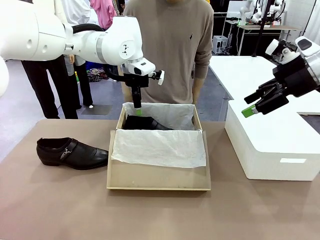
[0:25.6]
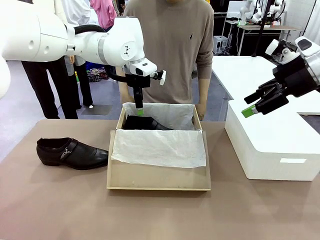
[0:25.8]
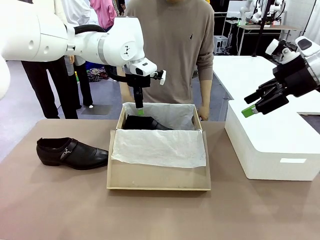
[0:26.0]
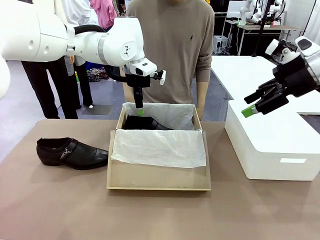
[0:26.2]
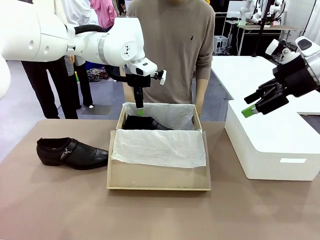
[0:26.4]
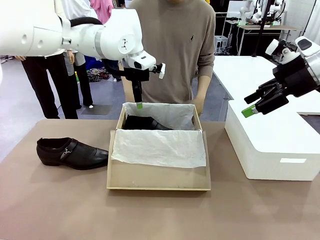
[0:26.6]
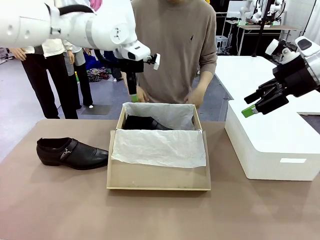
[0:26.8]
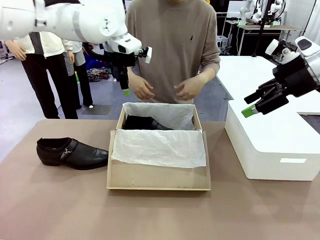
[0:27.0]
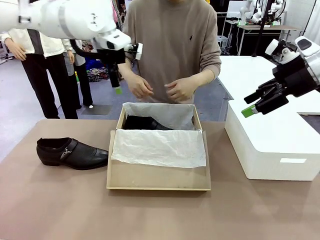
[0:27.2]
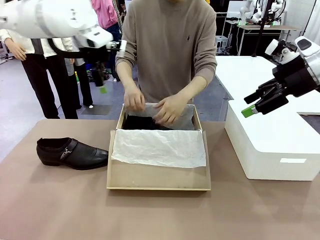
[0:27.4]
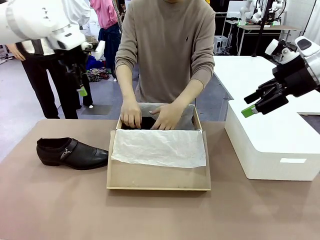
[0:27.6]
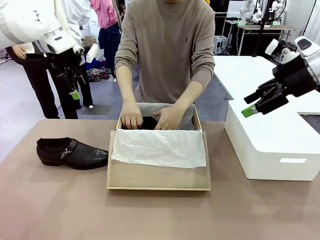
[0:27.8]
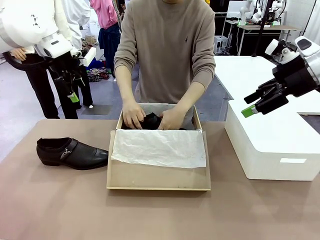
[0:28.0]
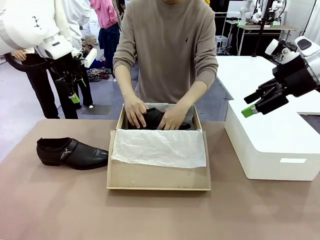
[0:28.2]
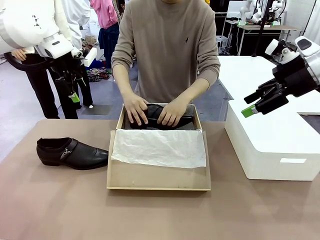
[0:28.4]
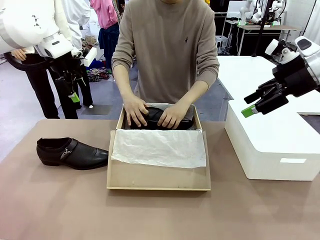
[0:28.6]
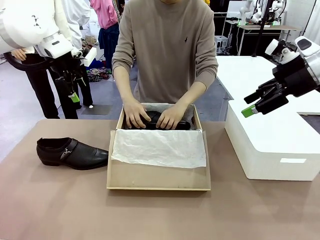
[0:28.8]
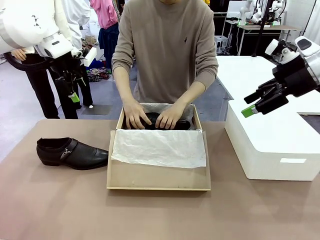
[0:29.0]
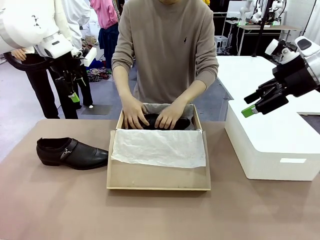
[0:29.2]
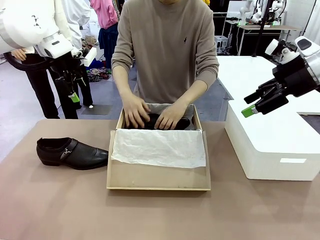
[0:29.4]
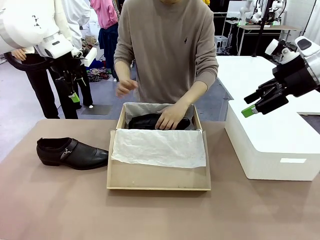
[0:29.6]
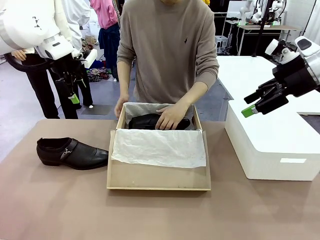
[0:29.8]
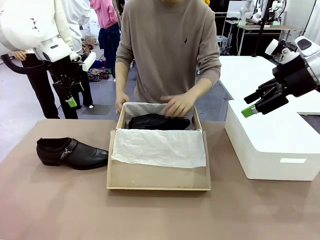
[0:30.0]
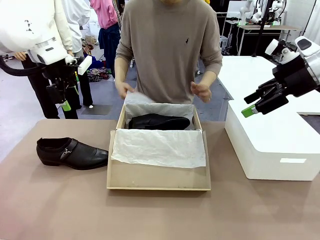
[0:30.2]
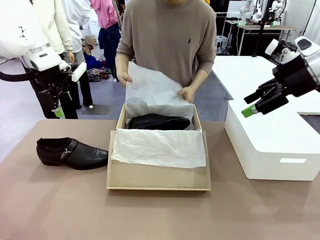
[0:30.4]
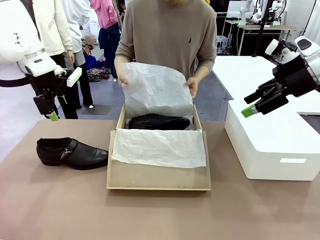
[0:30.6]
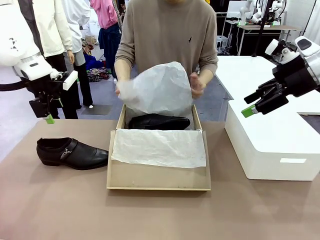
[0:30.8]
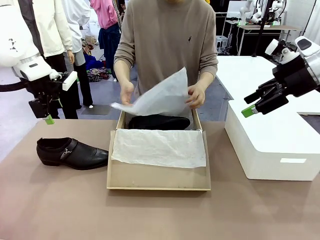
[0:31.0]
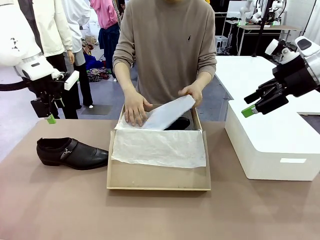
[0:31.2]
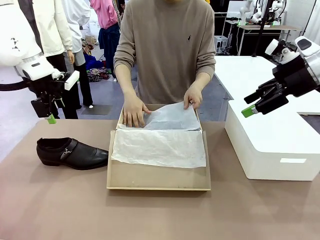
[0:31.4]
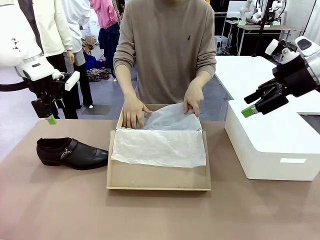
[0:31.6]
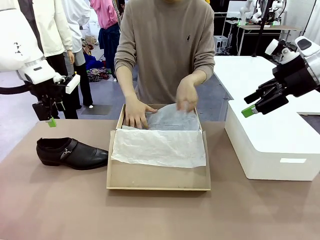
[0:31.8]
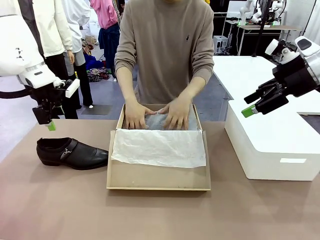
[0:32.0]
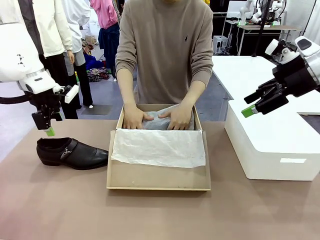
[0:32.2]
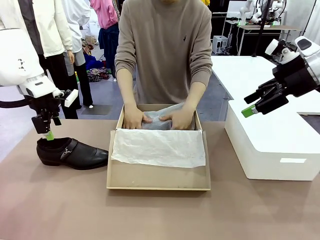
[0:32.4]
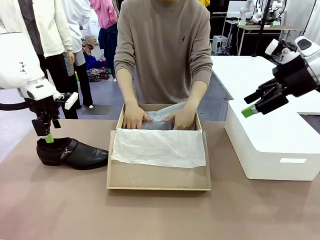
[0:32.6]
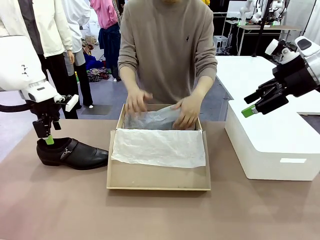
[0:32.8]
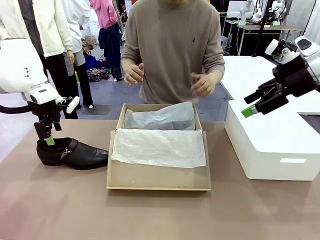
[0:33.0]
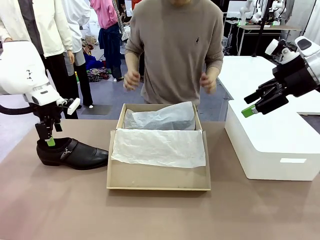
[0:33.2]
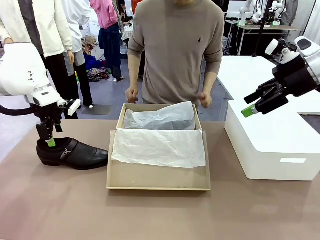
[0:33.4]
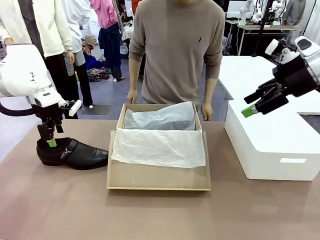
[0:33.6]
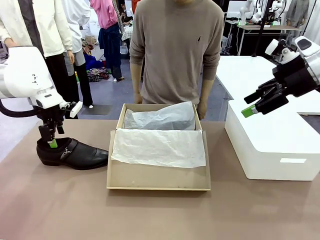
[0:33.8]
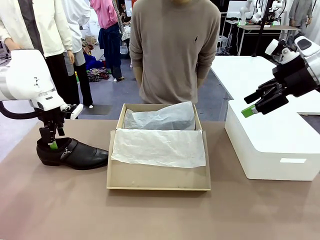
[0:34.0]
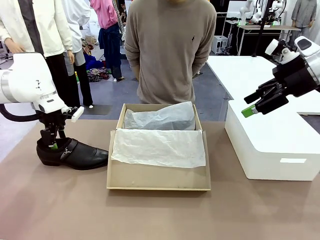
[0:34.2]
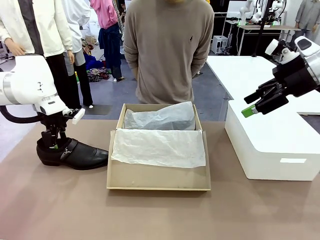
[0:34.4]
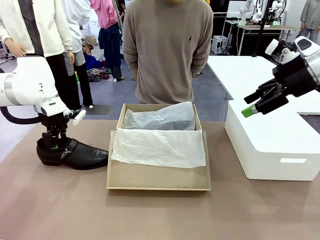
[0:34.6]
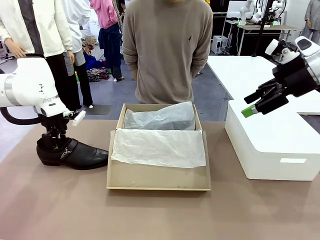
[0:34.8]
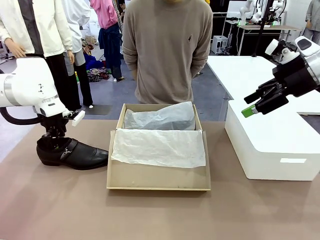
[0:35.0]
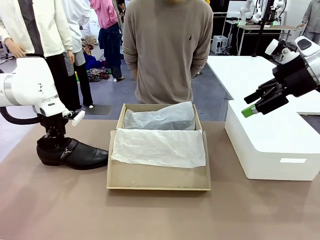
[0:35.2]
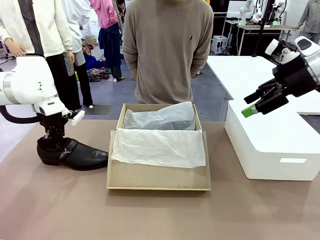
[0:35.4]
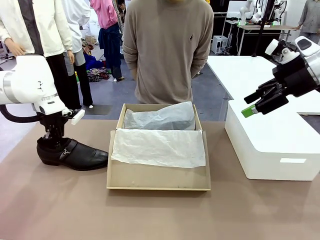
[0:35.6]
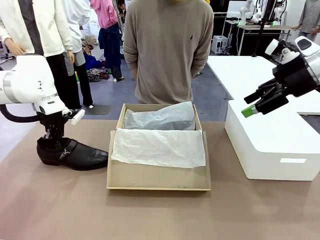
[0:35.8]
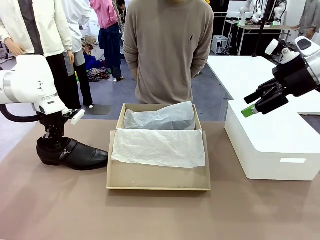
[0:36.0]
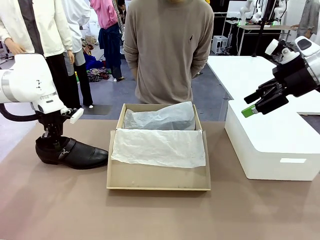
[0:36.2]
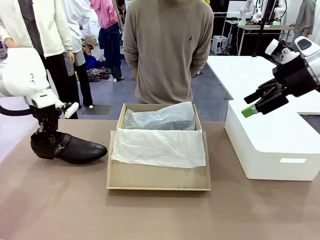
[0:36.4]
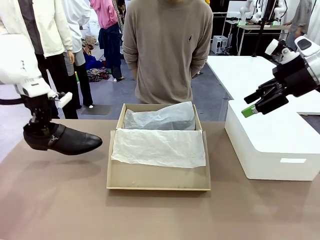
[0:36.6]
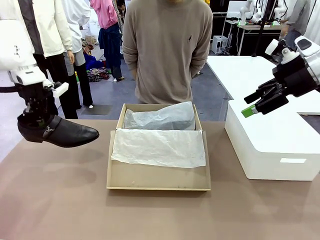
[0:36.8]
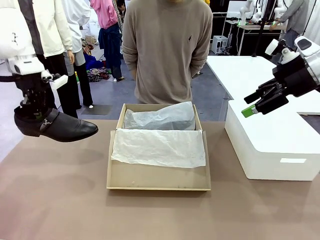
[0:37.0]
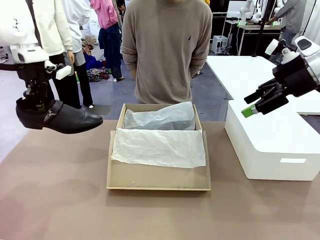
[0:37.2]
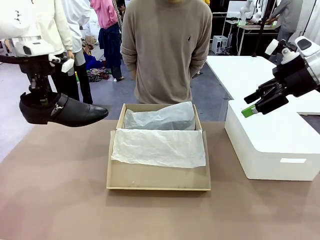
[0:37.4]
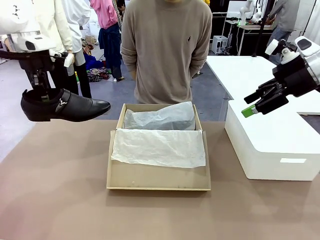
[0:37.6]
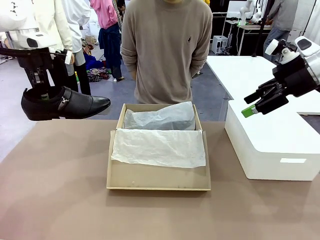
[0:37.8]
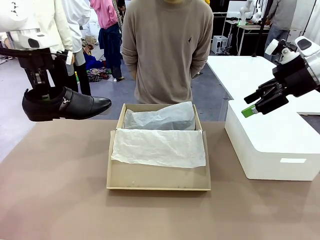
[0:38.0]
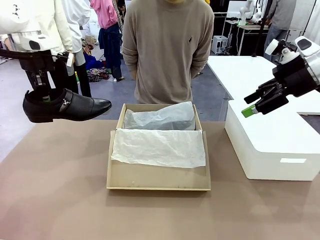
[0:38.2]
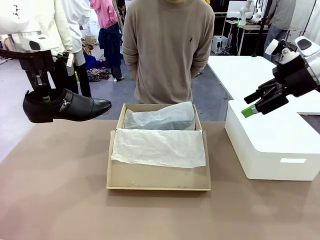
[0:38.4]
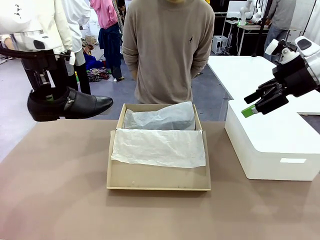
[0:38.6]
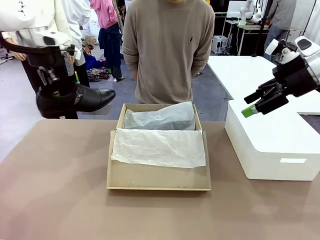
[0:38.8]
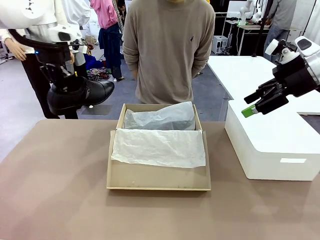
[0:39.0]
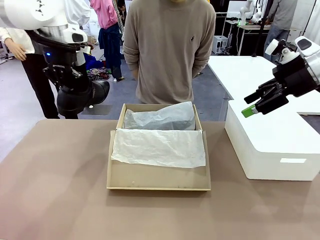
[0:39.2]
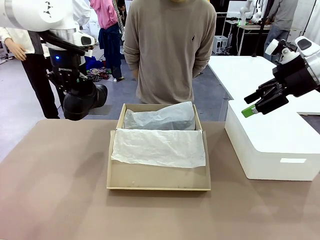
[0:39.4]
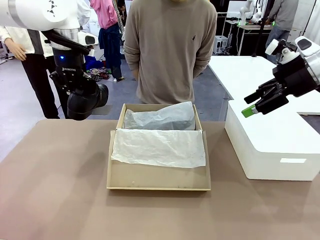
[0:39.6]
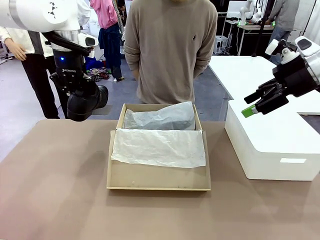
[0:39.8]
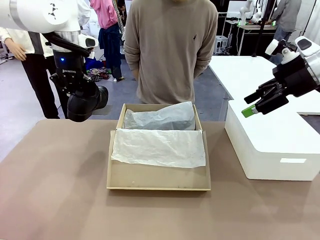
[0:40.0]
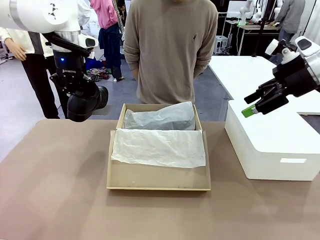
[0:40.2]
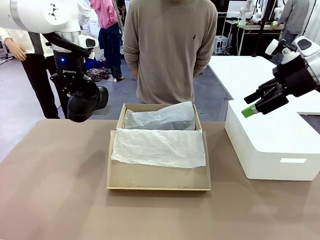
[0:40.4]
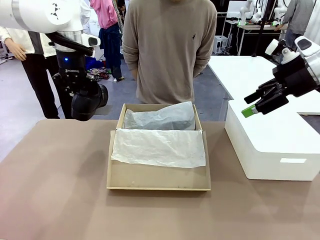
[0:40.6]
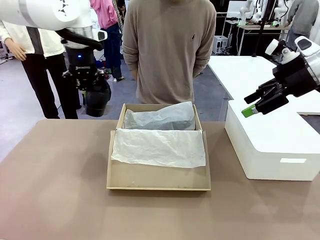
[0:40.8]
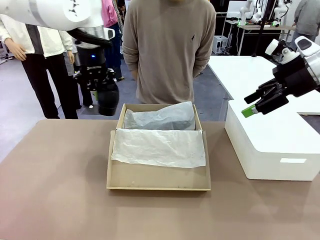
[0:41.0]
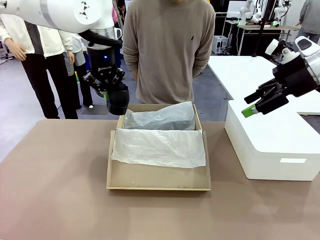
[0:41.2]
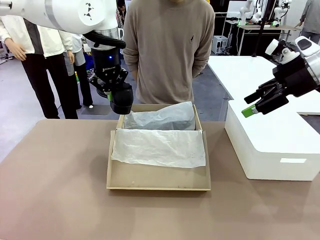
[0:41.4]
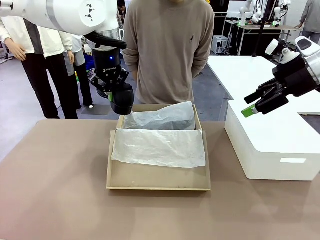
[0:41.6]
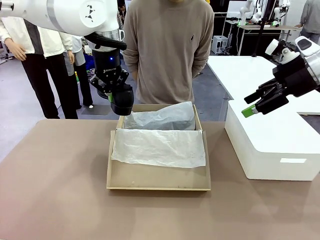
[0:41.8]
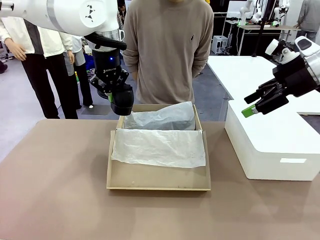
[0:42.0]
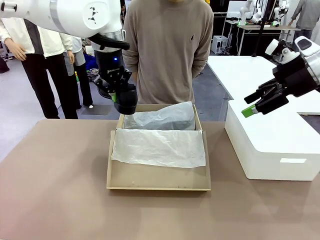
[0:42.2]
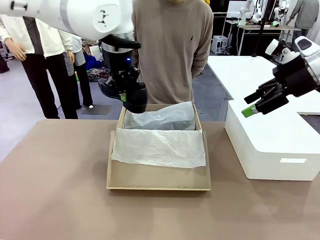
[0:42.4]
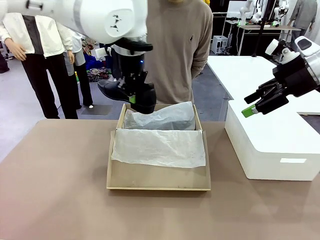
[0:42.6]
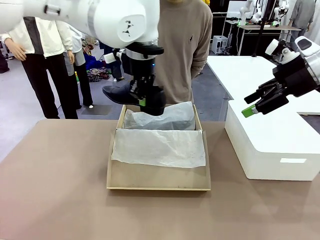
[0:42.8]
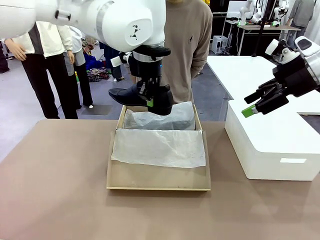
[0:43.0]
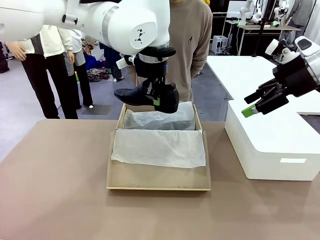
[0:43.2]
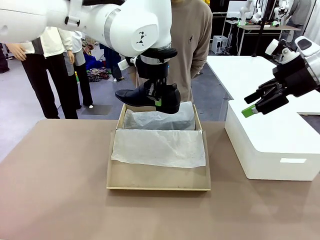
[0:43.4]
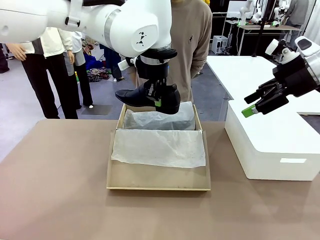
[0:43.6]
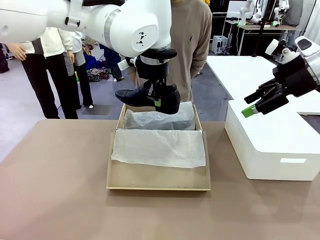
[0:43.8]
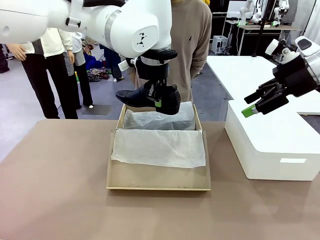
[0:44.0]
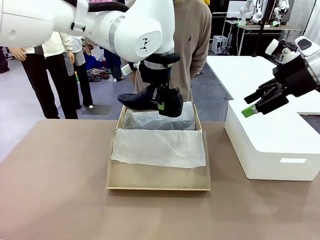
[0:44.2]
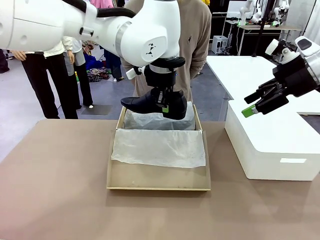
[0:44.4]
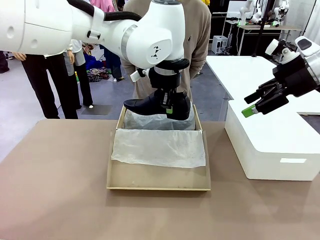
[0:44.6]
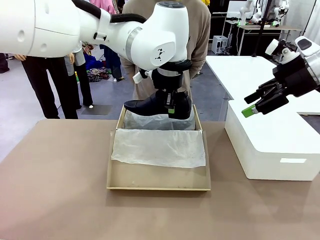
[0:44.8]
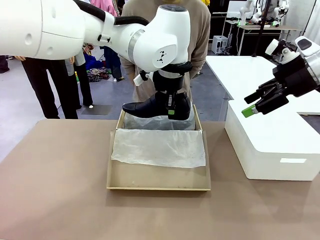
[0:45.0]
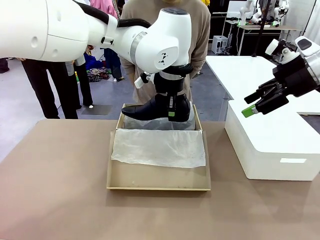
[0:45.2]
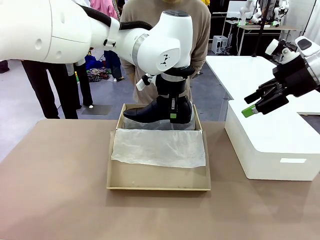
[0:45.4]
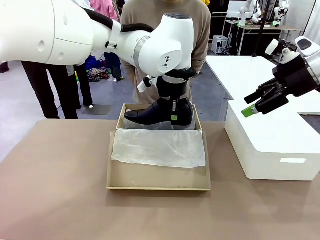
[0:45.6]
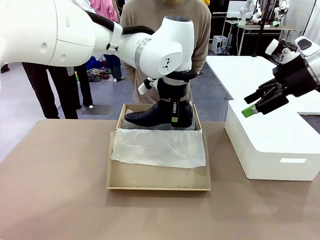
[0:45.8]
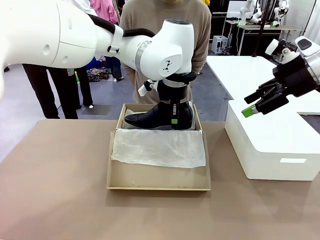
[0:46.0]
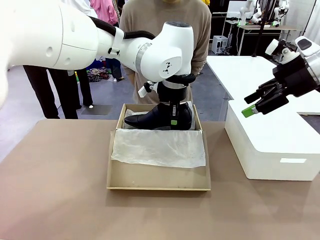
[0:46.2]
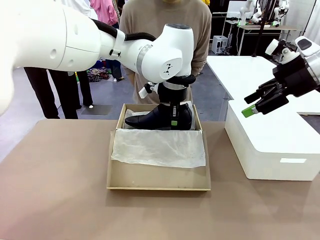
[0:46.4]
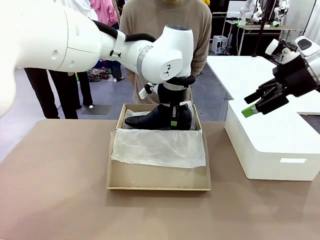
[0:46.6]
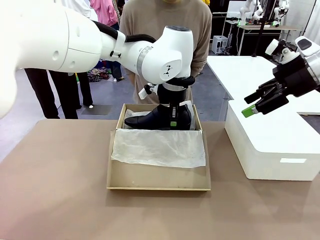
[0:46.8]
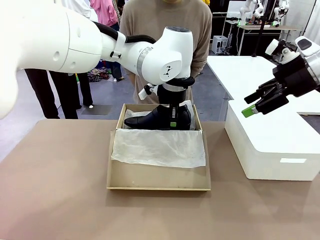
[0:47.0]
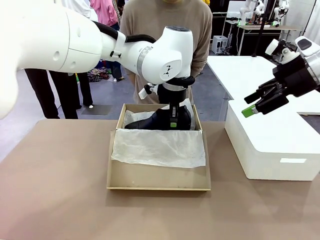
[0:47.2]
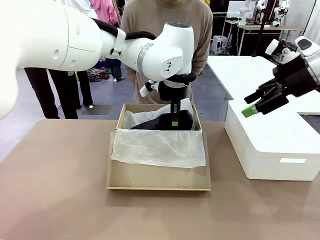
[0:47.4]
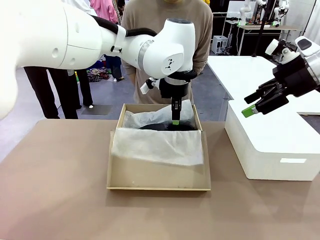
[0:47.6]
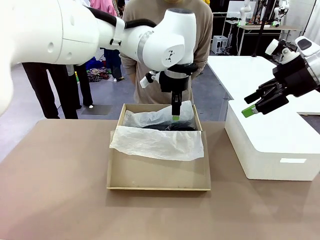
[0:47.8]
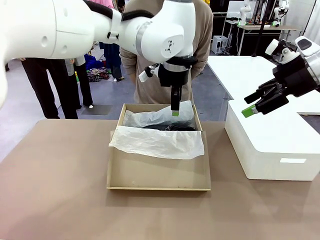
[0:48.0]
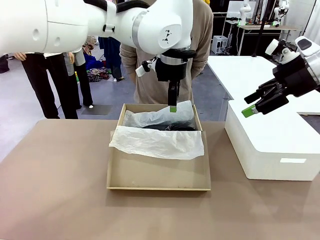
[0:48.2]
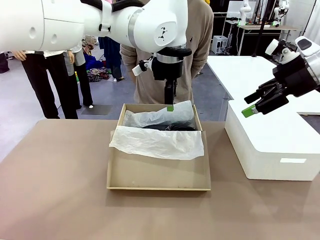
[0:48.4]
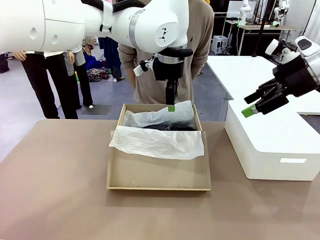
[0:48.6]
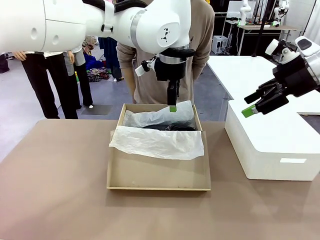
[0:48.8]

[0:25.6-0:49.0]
Task: Pack the shoes into the box.
Robot: Place the other shoe of the Shoes into the Shoes Box.
Person: Pack a shoe of Shoes inside the Shoes Box with Shoes Wrapping Paper.
